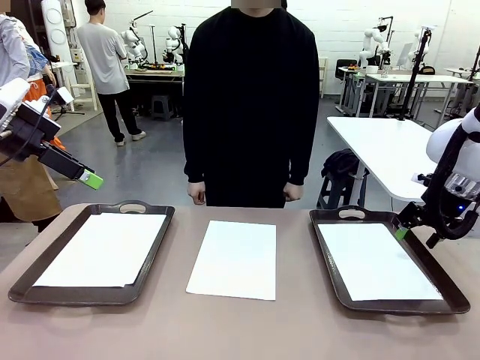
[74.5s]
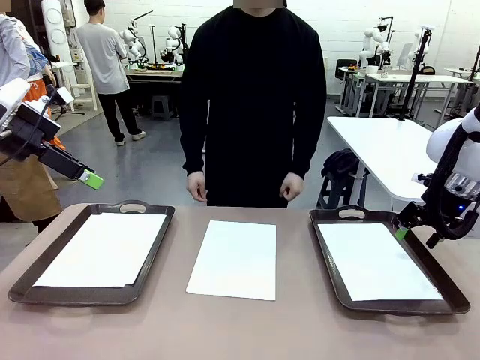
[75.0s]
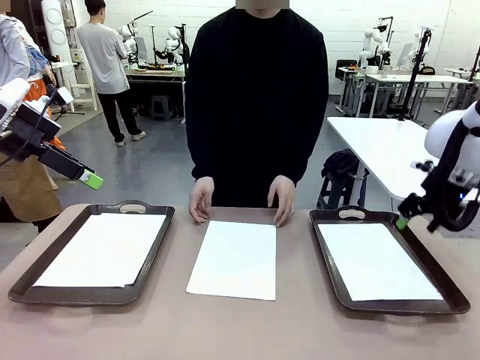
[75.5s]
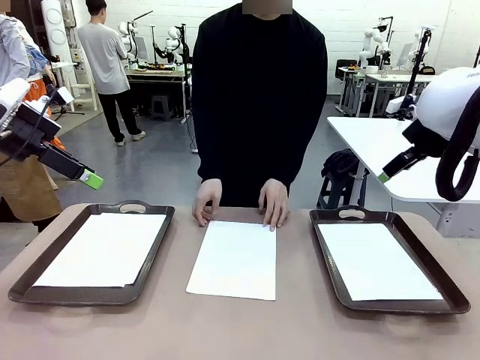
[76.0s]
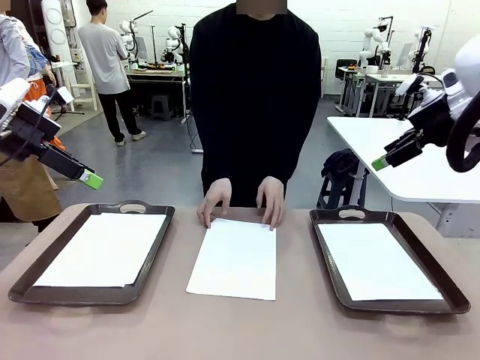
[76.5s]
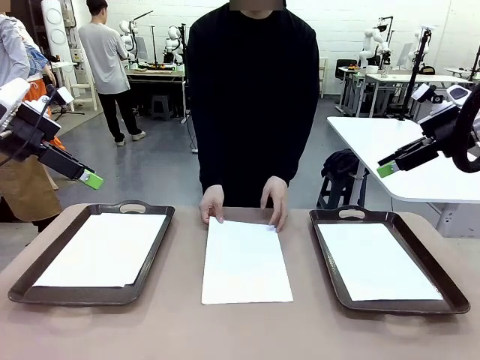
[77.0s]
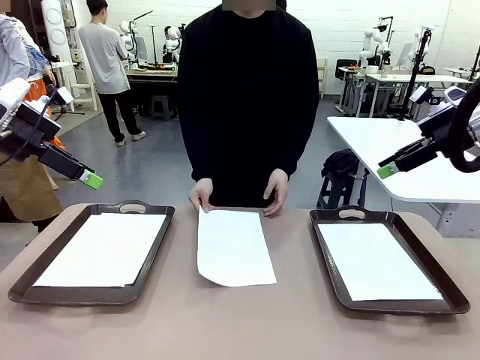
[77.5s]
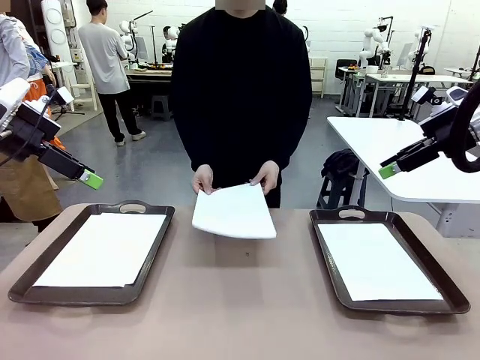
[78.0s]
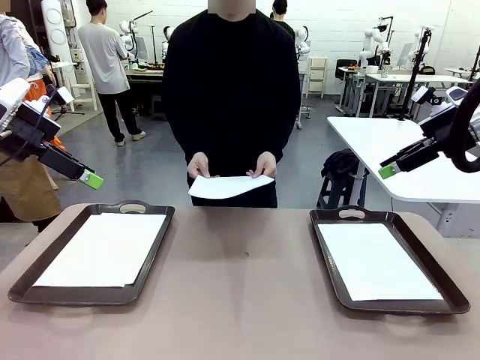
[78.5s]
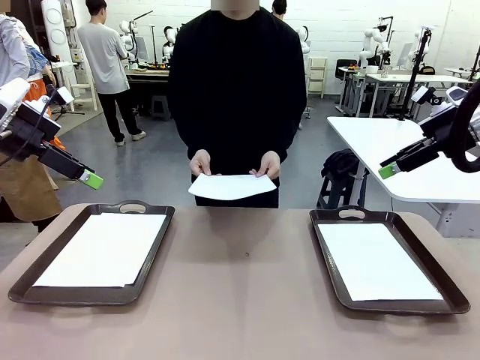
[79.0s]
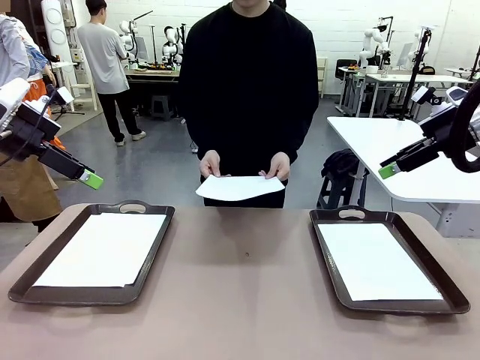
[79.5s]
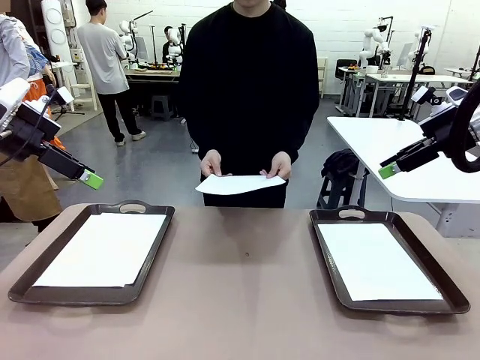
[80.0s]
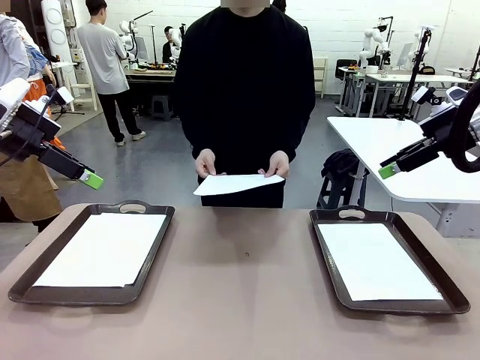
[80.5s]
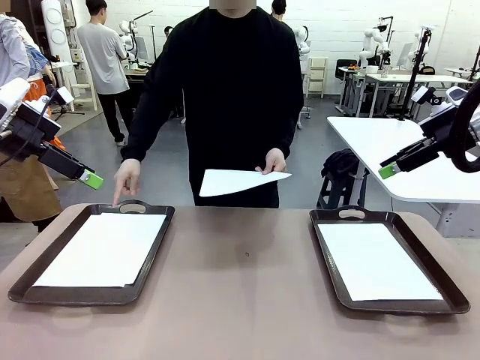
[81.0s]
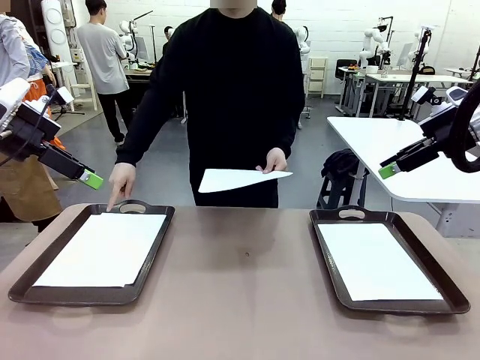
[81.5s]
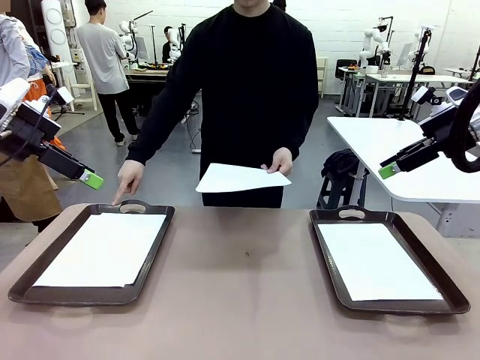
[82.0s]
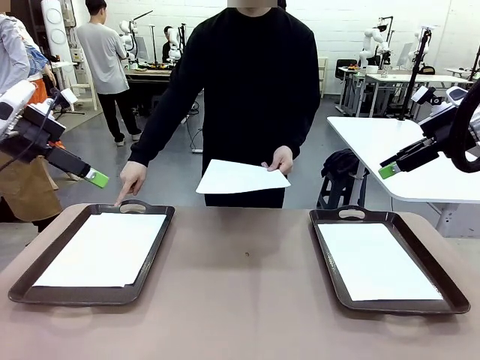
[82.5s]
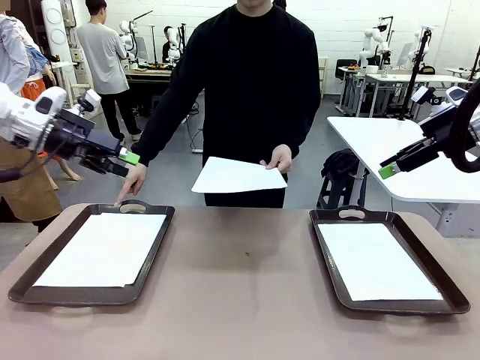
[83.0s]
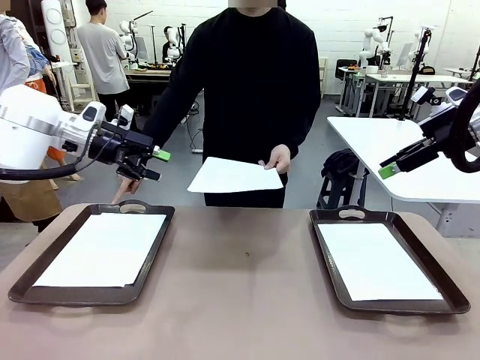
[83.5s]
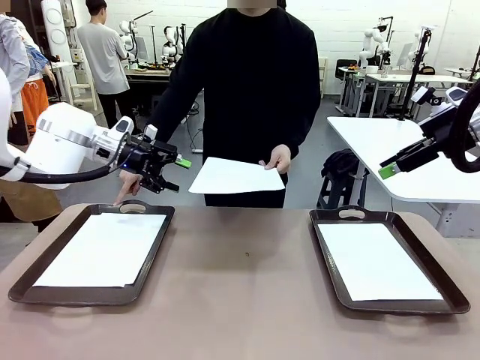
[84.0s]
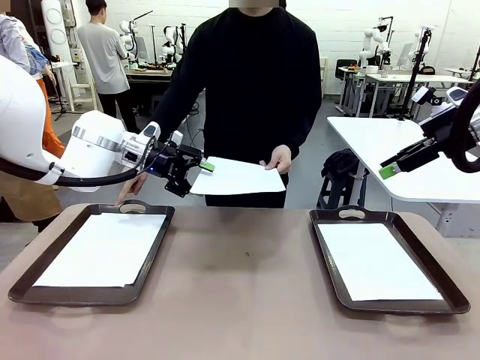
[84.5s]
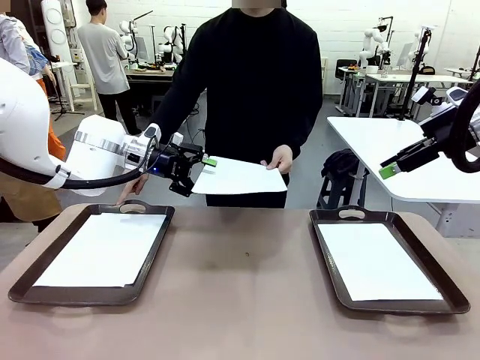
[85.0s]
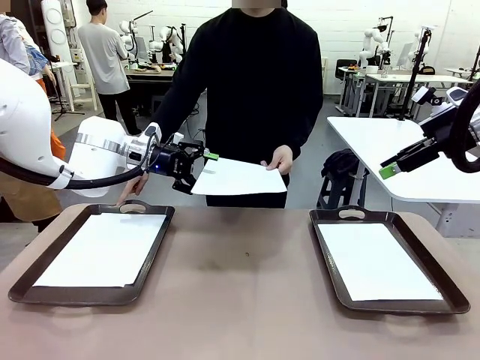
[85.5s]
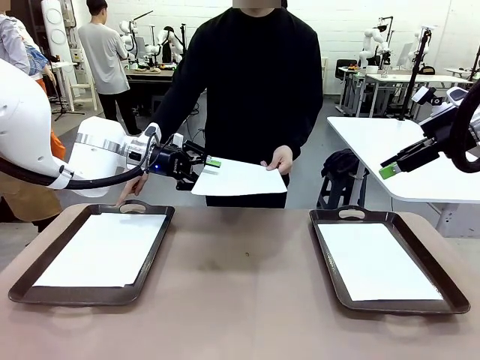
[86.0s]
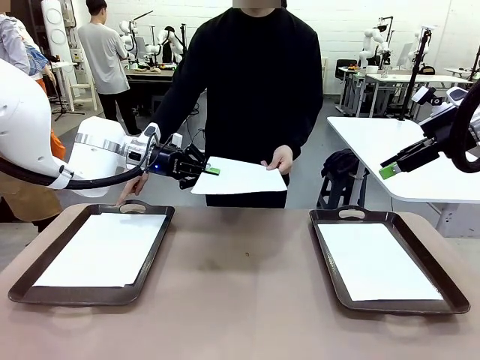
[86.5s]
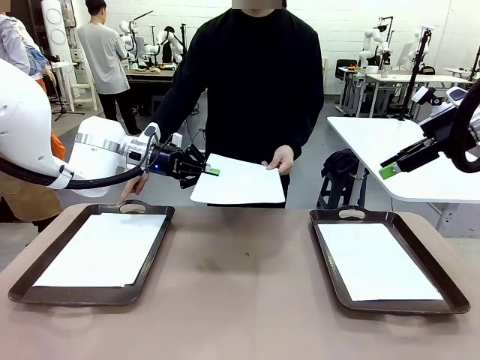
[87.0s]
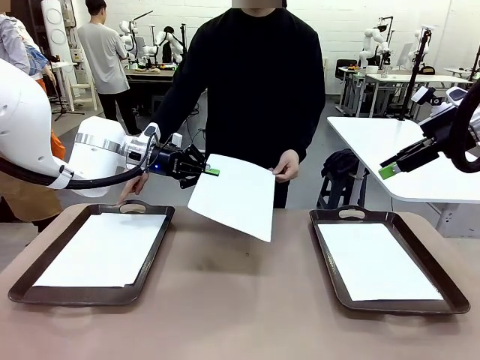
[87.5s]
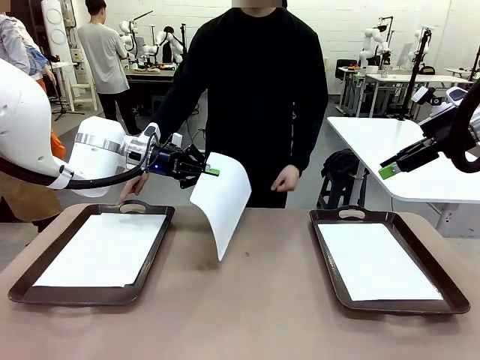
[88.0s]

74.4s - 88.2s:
Task: Sort the A4 documents.
Robot: Receive the A4 Paper.
Person: Point the randomly selected tray with the other hand.

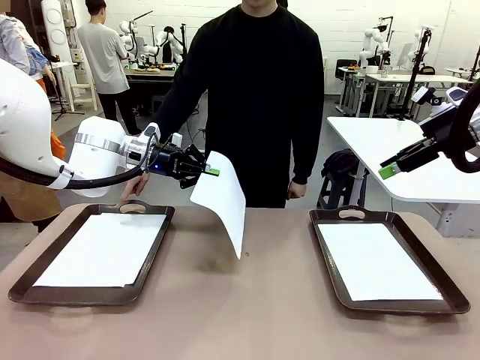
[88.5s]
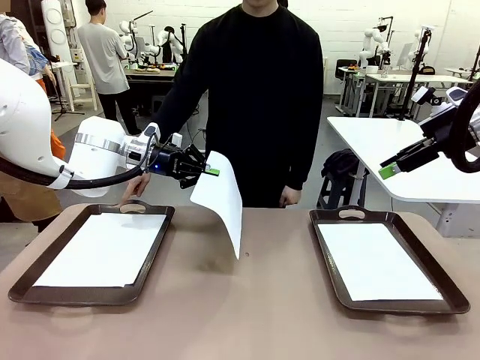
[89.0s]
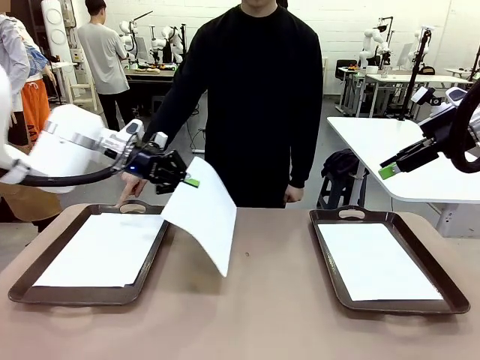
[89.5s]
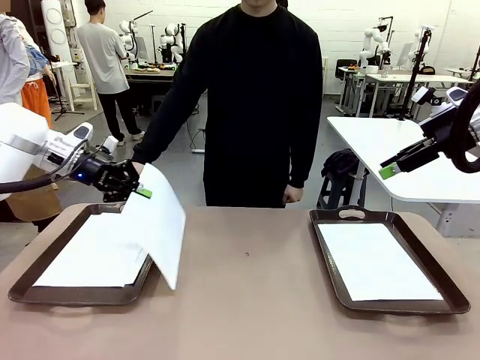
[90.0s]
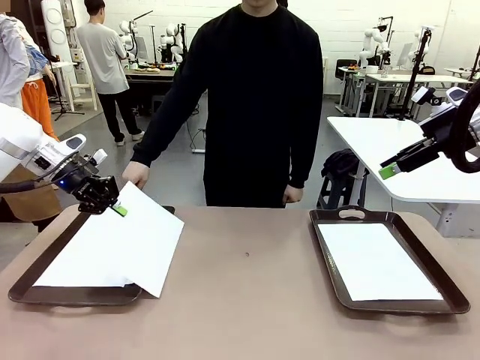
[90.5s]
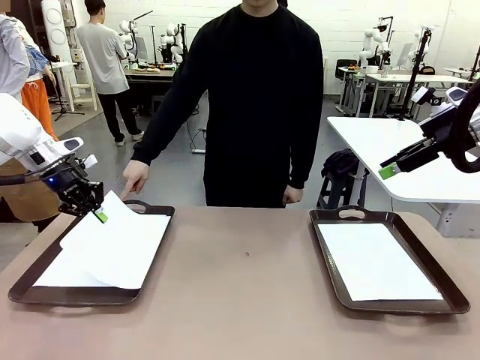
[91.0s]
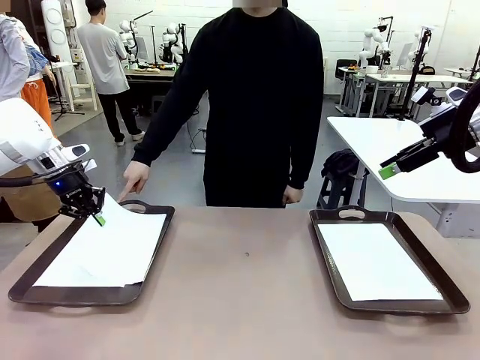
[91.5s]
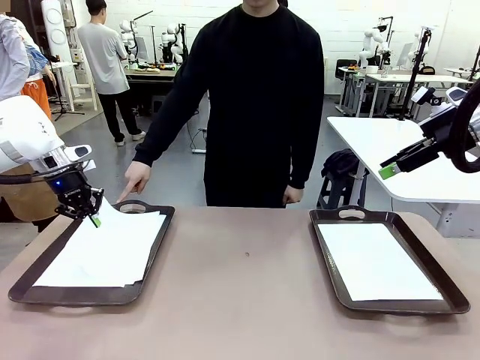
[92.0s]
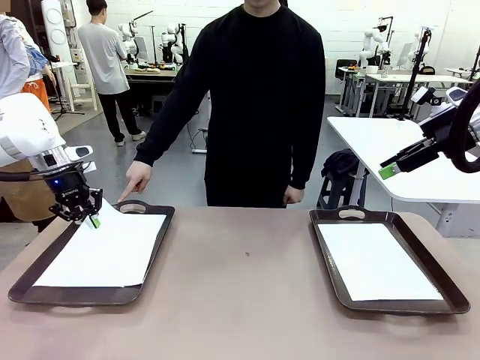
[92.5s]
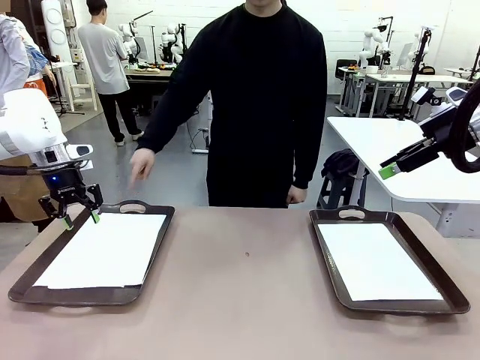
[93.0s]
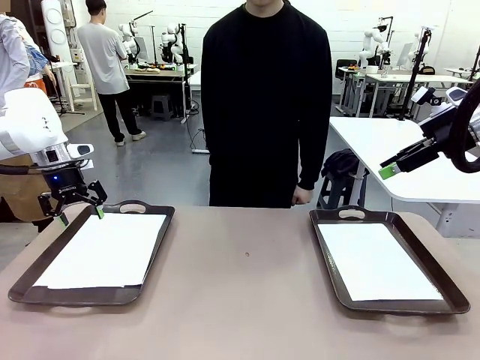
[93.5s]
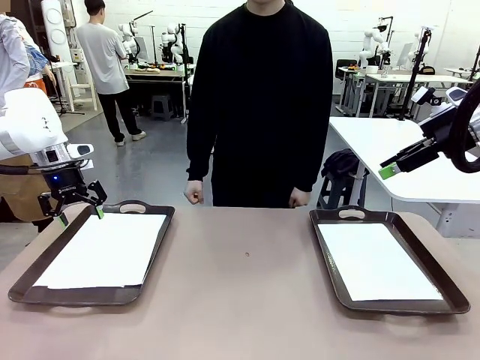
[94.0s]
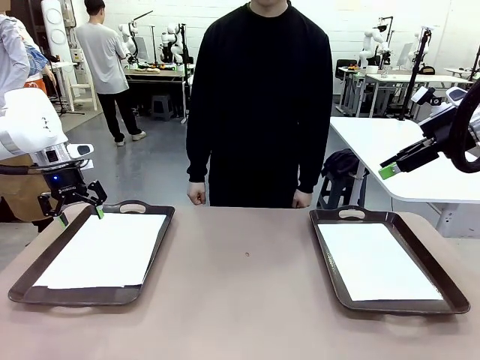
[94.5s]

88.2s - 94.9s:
Robot: Place the A4 Paper in the designated Handle tray.
